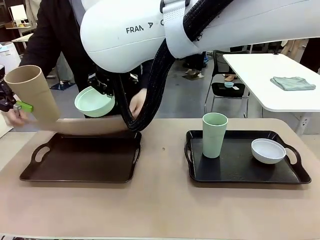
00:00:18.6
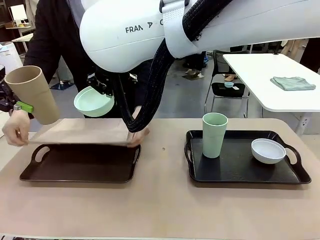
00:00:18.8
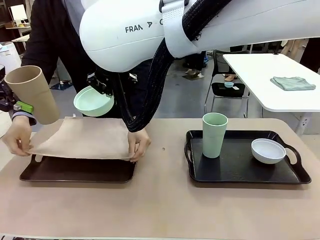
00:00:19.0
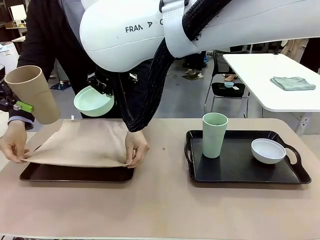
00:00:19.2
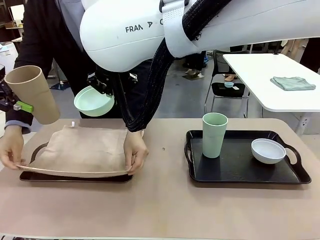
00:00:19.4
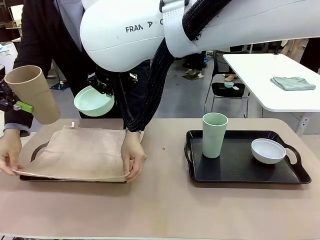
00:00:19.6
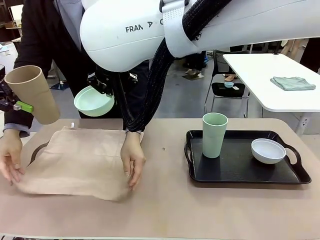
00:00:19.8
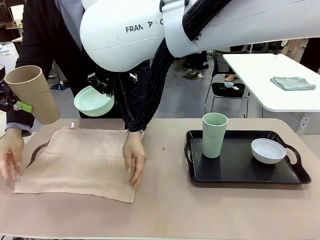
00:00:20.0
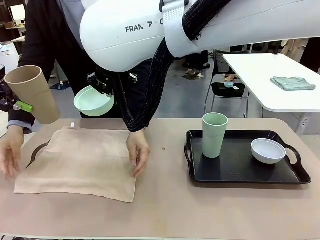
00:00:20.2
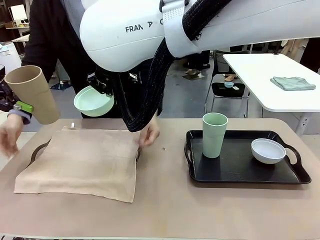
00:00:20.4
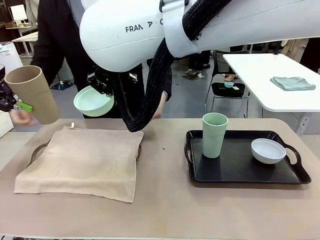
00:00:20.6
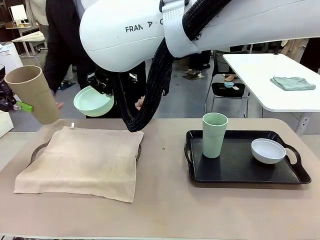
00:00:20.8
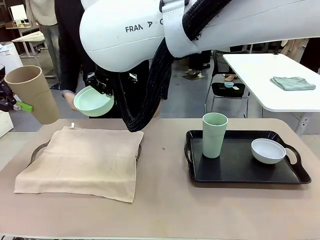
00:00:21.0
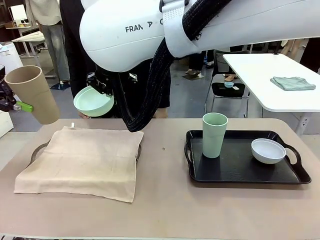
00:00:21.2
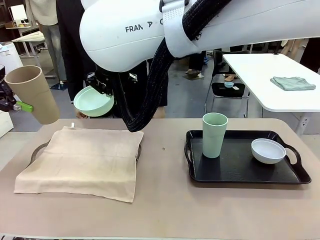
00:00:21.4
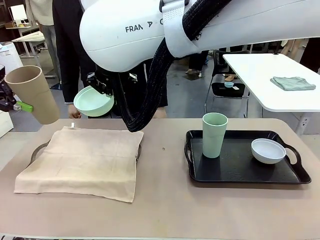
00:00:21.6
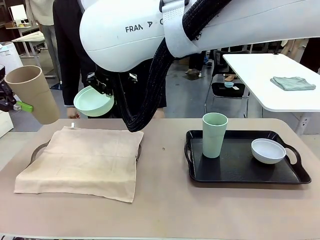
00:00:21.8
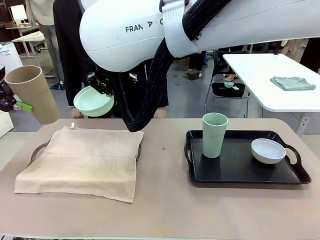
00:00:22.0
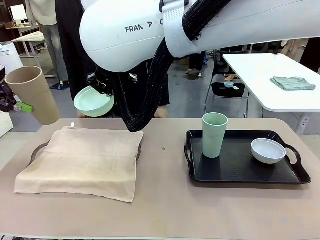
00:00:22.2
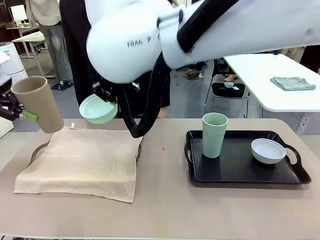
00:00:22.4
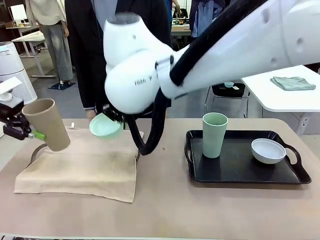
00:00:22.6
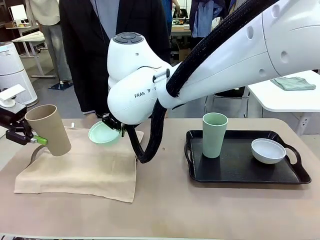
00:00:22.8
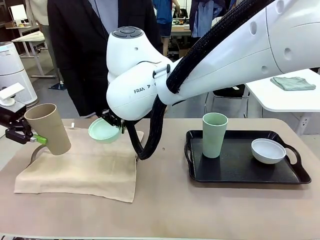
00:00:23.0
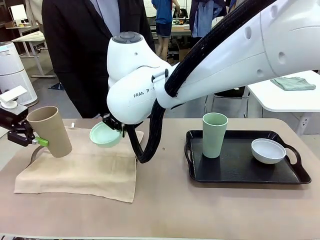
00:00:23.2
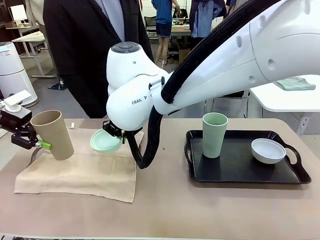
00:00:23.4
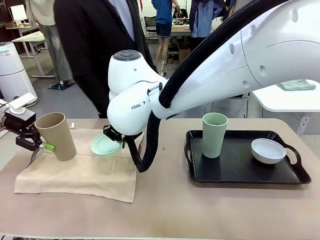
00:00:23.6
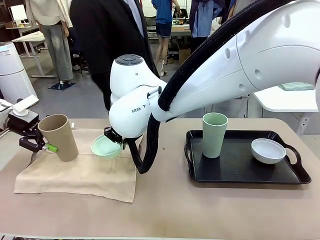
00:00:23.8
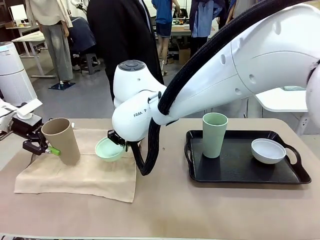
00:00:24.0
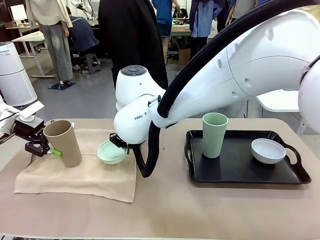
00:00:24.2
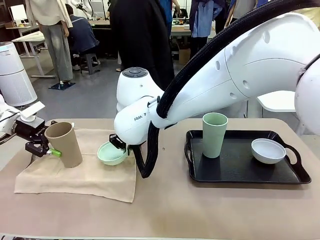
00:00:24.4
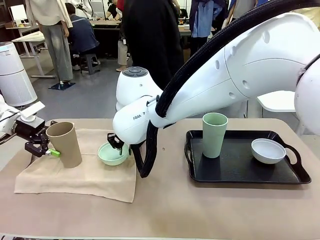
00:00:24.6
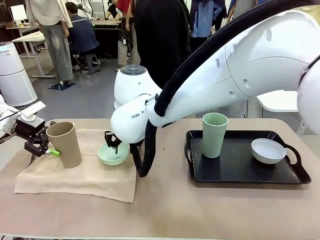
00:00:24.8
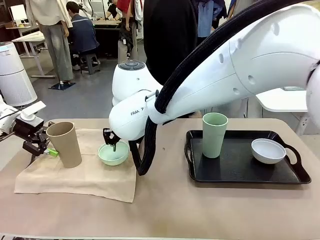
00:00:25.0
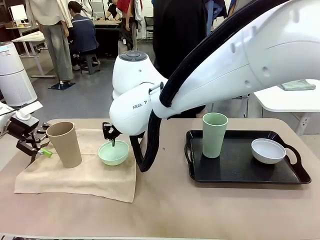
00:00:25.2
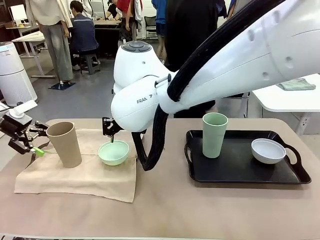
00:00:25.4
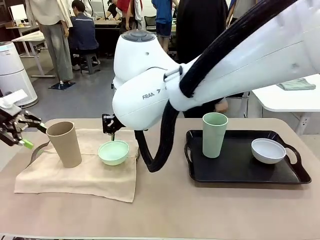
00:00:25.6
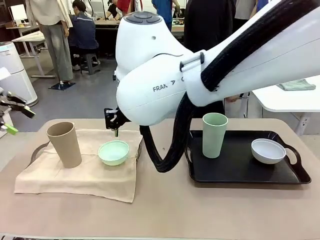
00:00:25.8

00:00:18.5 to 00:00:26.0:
Robot: Place the Picnic Bowl and Reusable plastic cup back onto the Handle tray in front of the human's position.

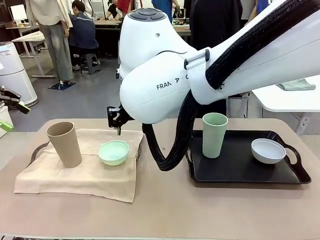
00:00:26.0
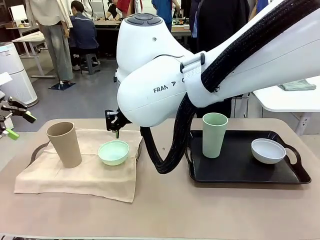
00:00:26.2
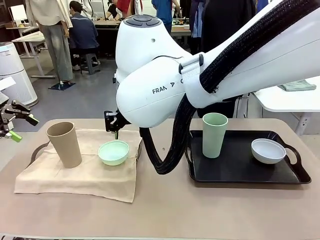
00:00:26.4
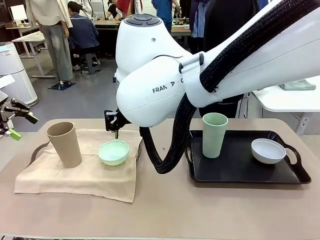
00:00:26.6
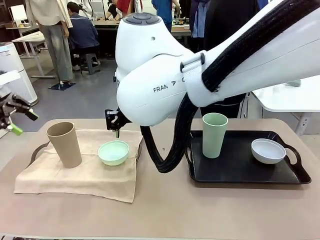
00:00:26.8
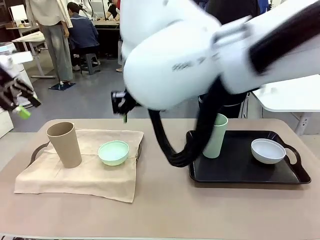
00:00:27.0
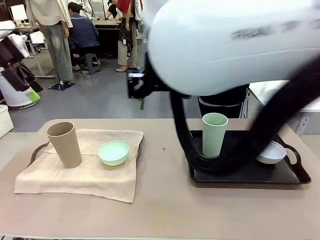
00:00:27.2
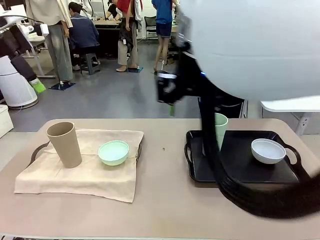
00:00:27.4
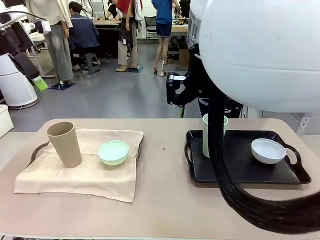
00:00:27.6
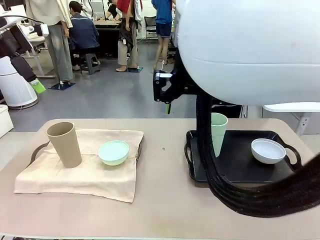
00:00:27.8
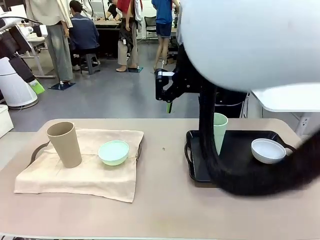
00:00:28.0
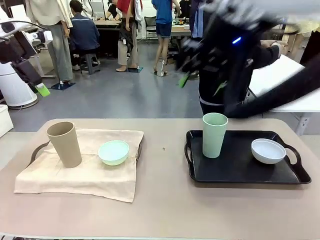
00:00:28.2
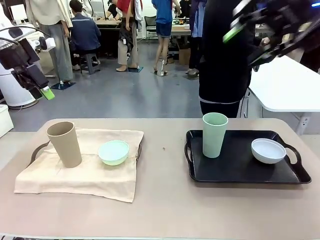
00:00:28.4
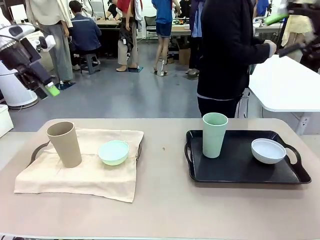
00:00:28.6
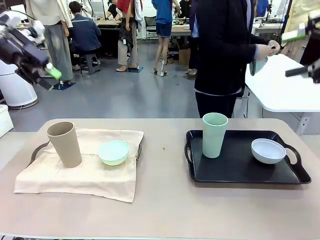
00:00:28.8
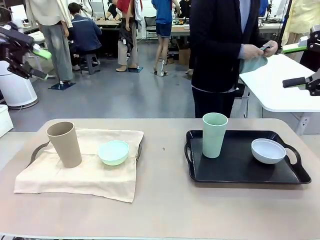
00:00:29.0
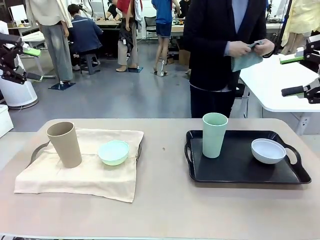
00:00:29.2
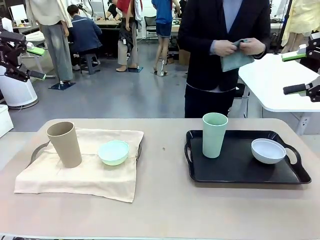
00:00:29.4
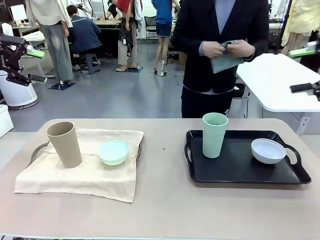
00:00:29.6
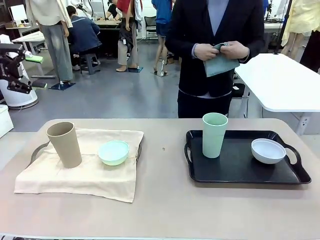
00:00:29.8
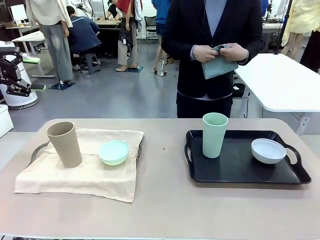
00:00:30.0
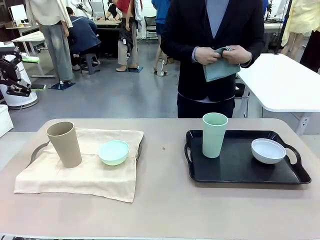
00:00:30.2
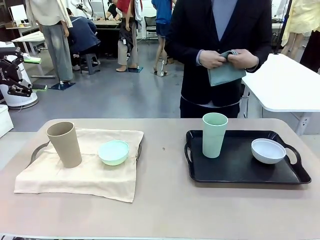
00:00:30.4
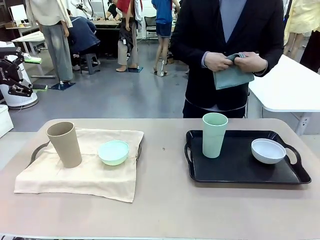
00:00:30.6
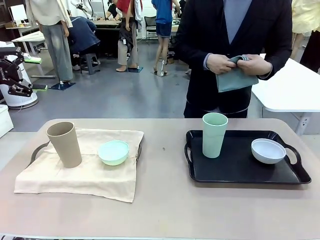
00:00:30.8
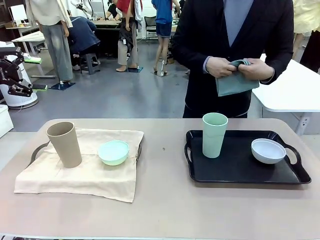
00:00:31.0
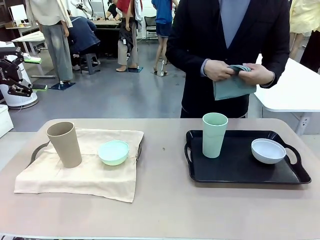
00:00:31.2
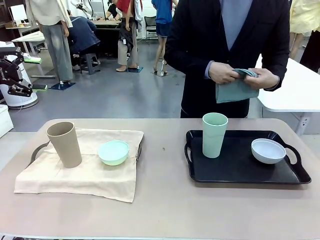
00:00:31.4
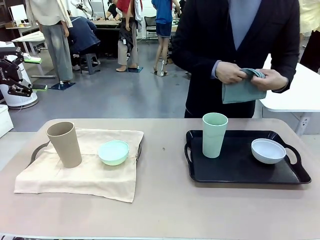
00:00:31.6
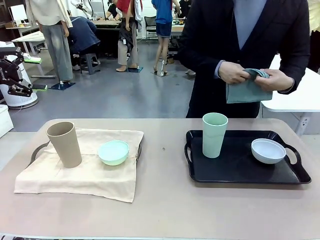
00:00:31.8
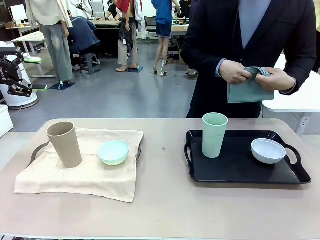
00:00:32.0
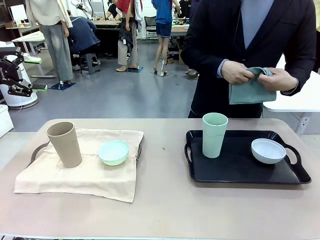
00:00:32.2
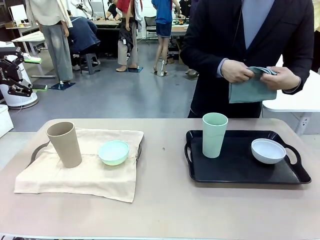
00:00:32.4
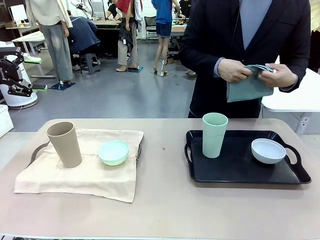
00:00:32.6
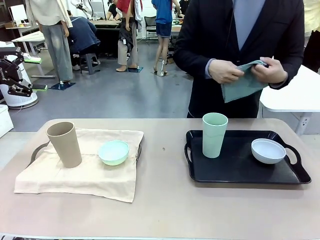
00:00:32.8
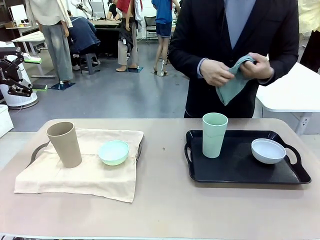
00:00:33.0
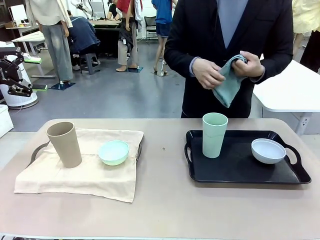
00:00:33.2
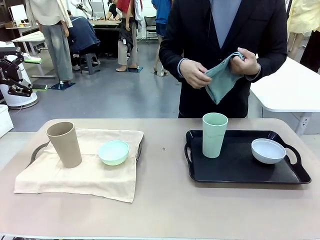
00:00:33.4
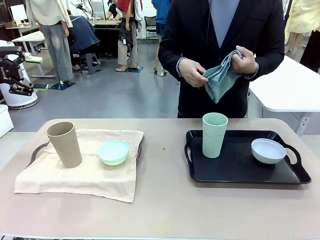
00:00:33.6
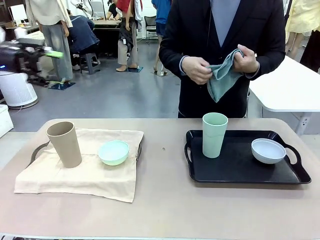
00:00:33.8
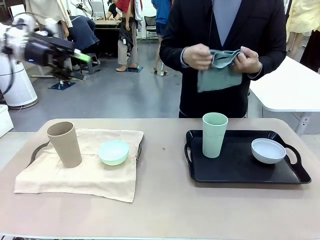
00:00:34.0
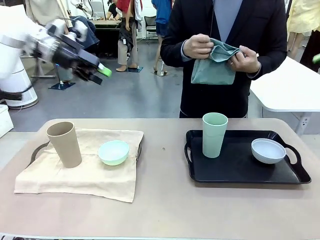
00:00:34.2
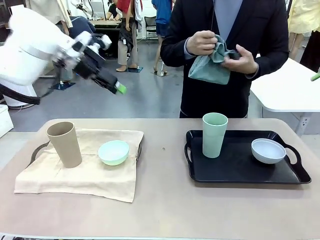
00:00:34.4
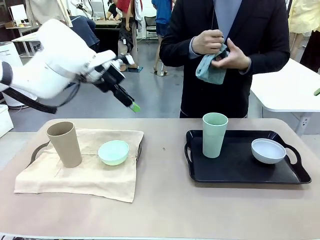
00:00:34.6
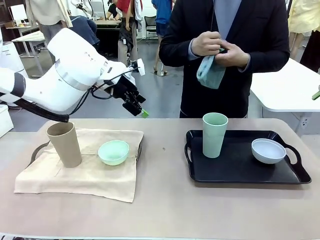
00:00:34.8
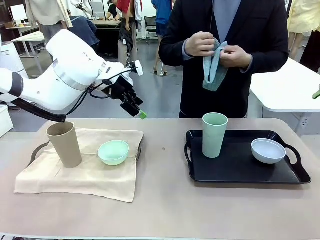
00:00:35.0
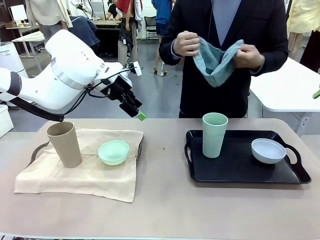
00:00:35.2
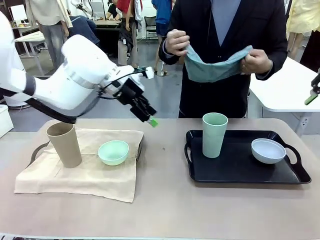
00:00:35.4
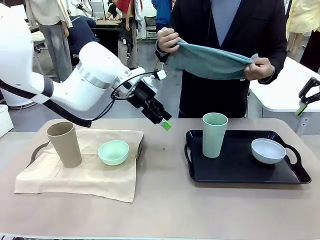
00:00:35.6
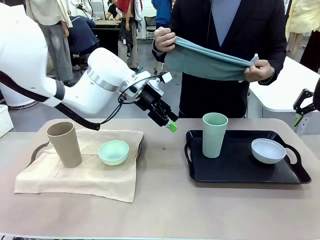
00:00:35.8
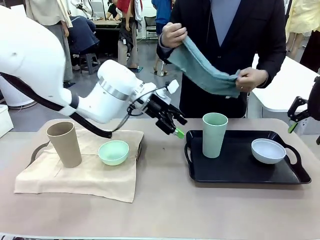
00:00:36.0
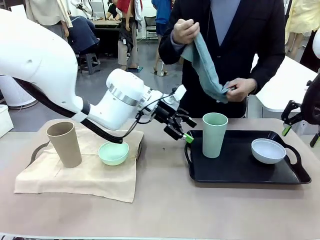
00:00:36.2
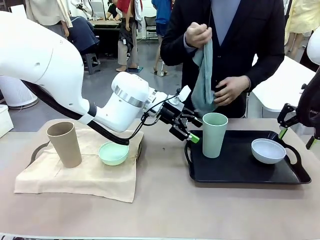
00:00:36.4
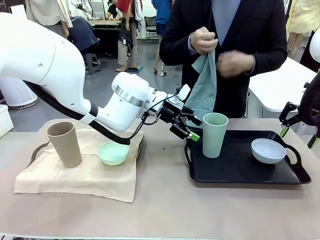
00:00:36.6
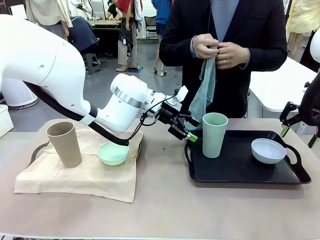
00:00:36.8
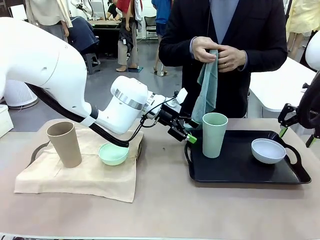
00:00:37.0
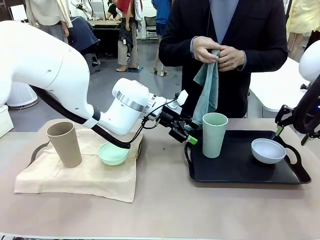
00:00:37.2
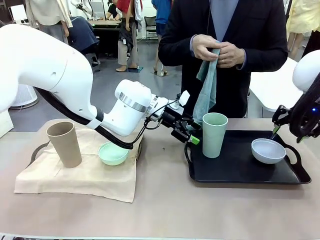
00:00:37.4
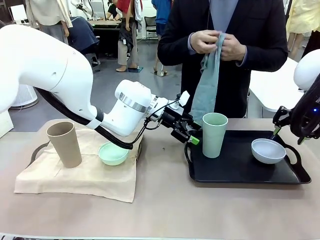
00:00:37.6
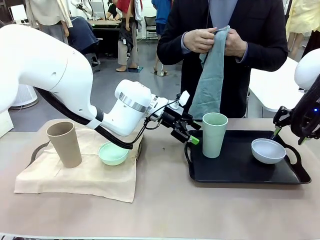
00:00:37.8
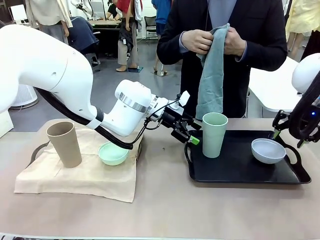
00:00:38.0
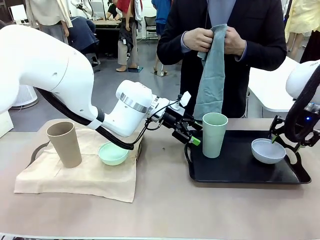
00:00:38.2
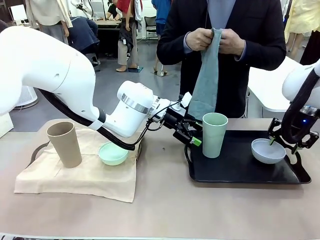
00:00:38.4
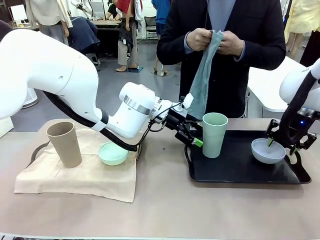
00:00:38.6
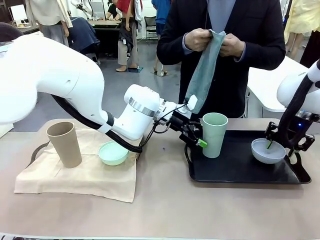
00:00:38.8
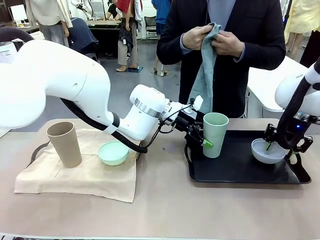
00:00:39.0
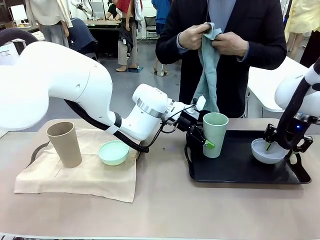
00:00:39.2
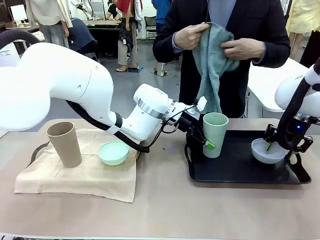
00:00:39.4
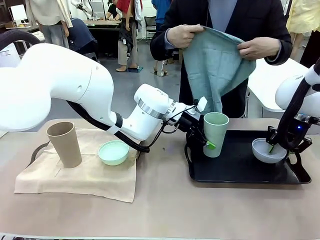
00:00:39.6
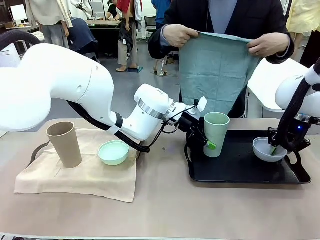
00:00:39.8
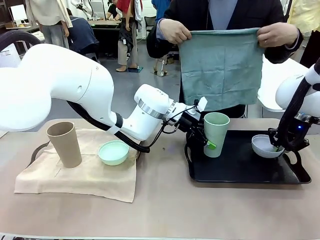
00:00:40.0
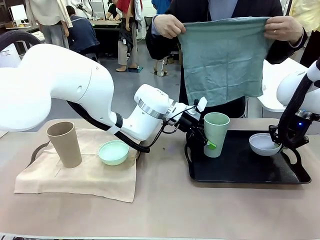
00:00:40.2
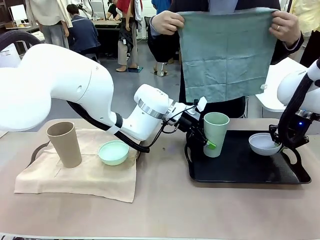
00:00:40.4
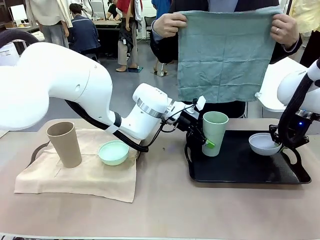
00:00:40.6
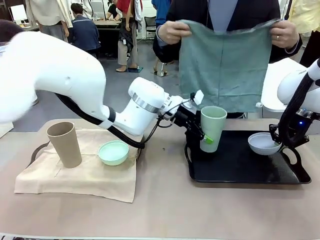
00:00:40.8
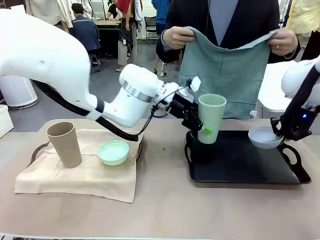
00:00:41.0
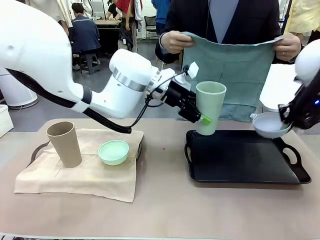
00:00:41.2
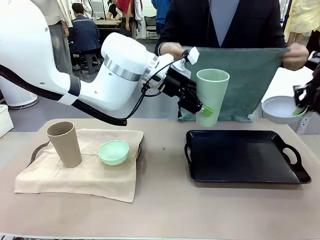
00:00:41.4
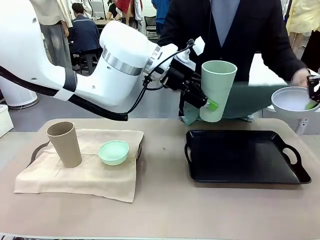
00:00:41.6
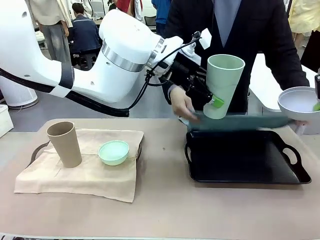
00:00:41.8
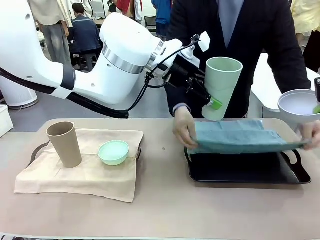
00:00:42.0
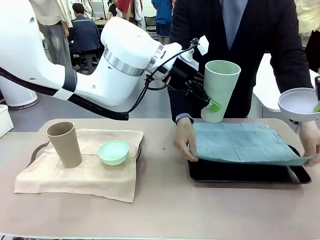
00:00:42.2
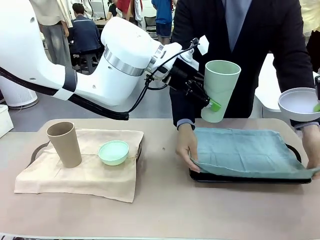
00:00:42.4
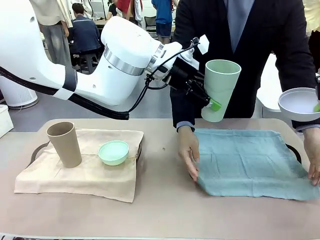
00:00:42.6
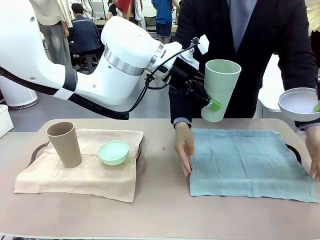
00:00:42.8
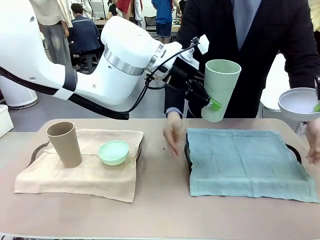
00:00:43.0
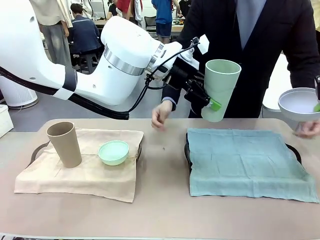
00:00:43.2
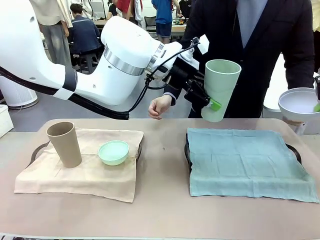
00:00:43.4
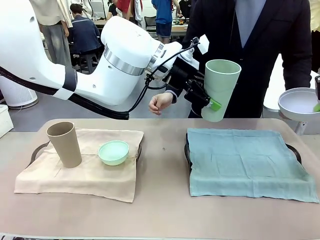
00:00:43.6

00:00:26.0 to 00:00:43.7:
Robot: Pick up the Picnic Bowl and Reusable plastic cup from the Handle tray in front of the human's position and hold them in the air.
Person: The human returns to the human table to pick up another napkin and walks to the robot table to stand in front of the tray without a napkin. When the robot lifts the bowl and the cup, the human unfolds the napkin and lays the napkin flat on the tray.
